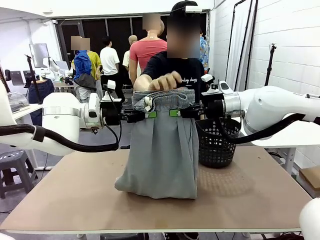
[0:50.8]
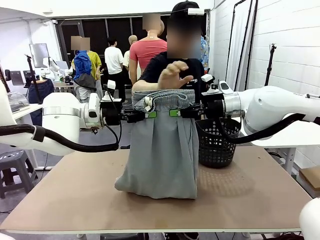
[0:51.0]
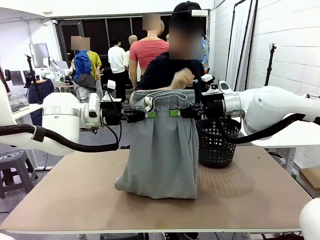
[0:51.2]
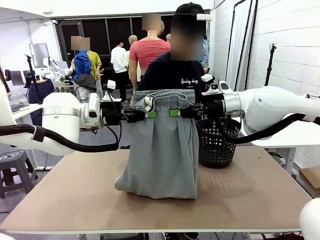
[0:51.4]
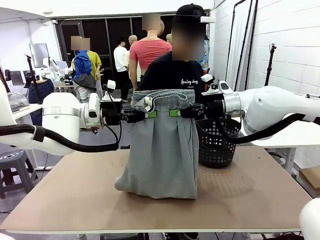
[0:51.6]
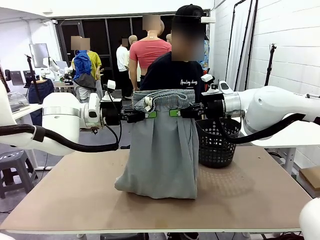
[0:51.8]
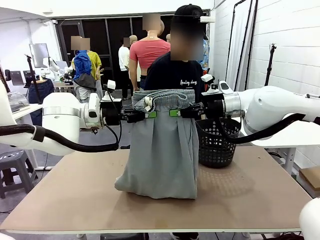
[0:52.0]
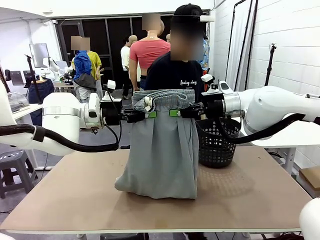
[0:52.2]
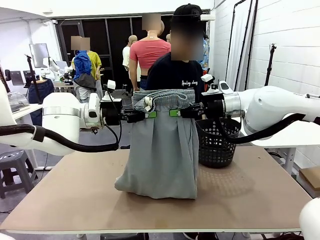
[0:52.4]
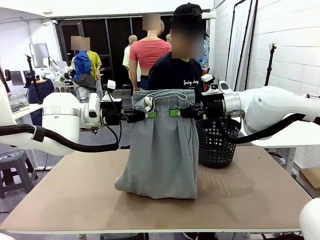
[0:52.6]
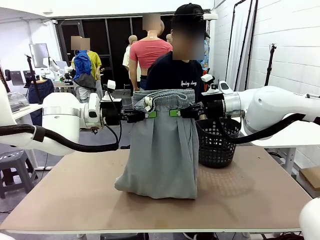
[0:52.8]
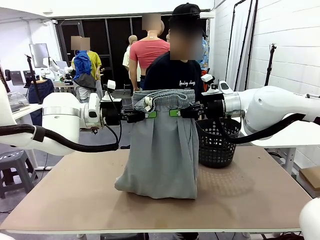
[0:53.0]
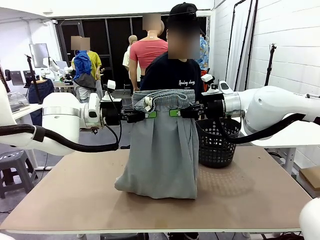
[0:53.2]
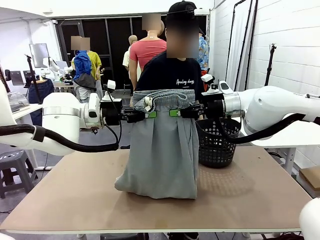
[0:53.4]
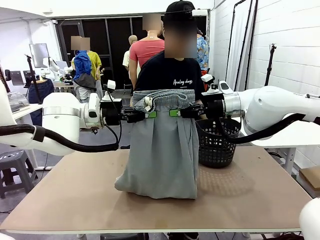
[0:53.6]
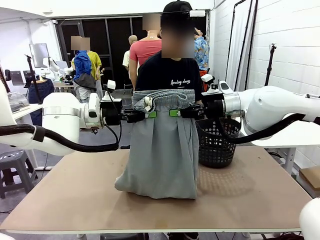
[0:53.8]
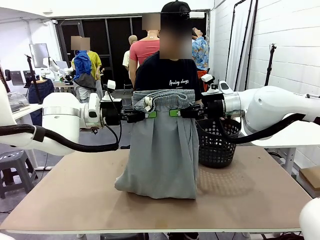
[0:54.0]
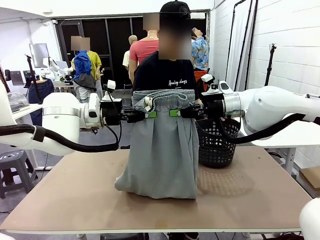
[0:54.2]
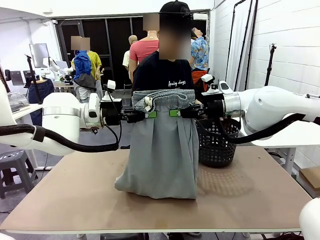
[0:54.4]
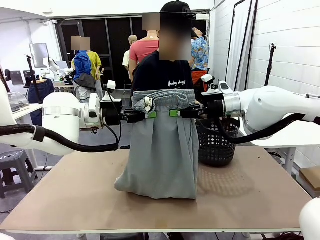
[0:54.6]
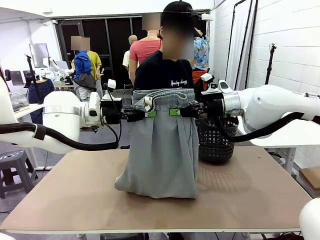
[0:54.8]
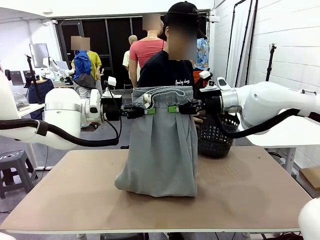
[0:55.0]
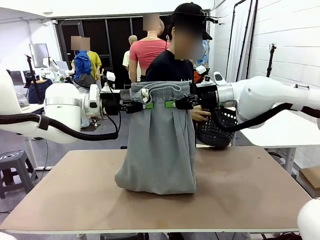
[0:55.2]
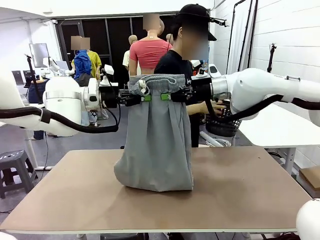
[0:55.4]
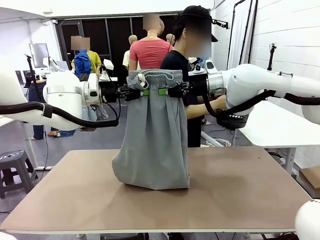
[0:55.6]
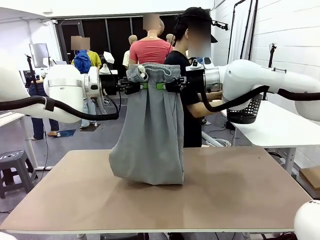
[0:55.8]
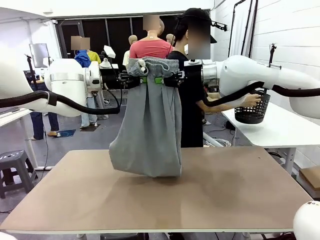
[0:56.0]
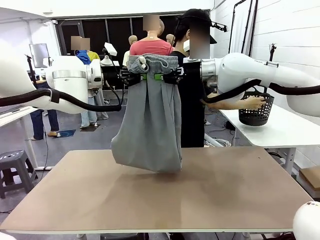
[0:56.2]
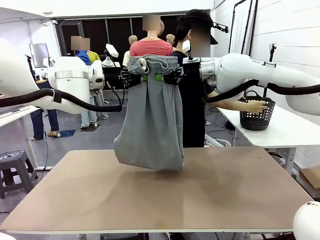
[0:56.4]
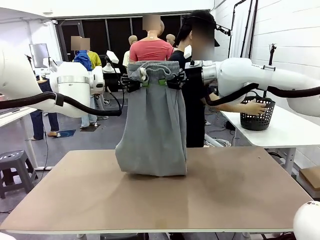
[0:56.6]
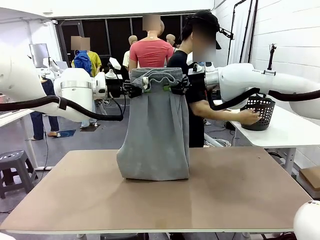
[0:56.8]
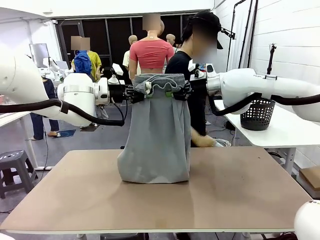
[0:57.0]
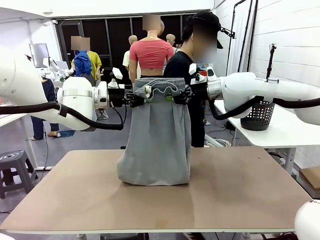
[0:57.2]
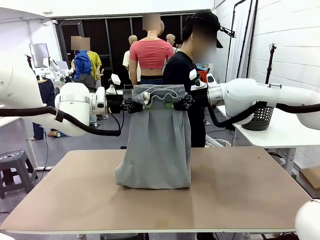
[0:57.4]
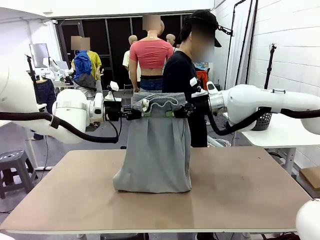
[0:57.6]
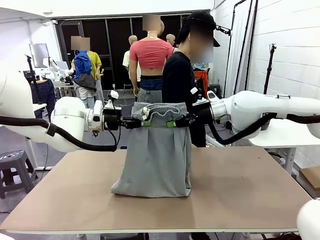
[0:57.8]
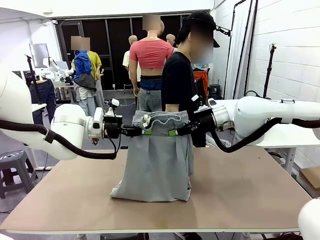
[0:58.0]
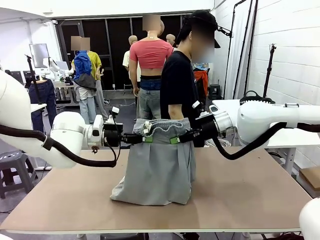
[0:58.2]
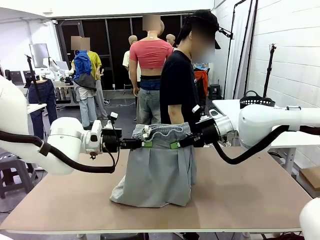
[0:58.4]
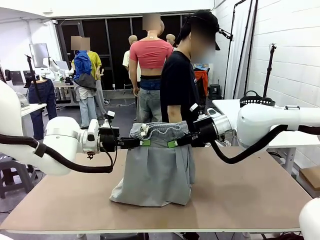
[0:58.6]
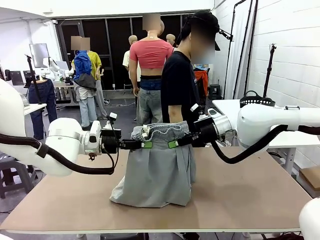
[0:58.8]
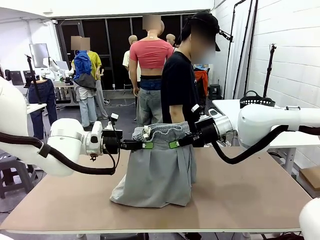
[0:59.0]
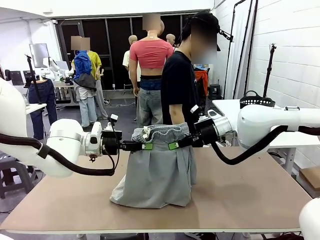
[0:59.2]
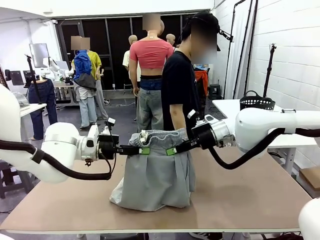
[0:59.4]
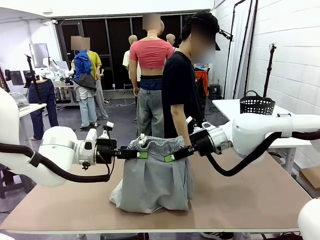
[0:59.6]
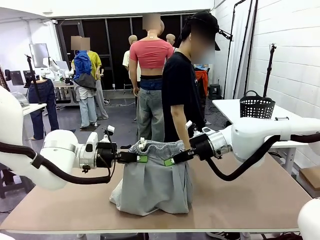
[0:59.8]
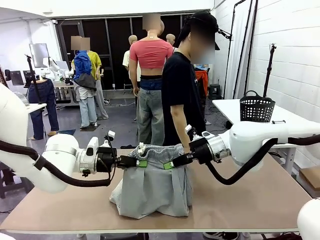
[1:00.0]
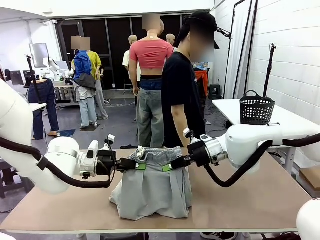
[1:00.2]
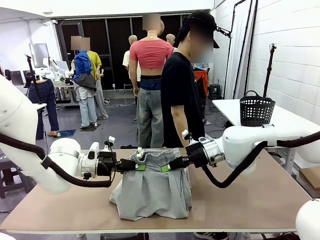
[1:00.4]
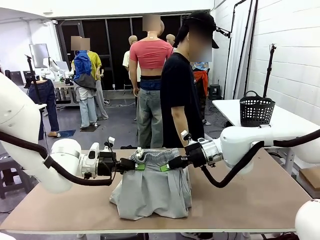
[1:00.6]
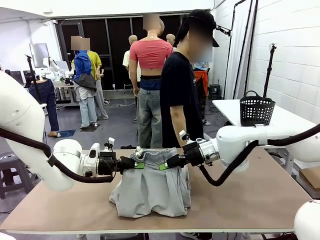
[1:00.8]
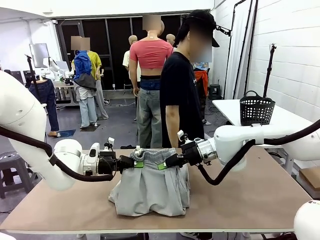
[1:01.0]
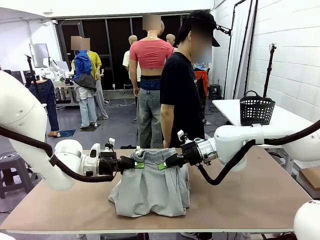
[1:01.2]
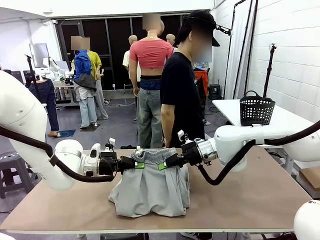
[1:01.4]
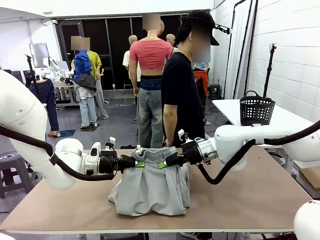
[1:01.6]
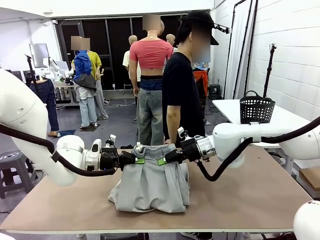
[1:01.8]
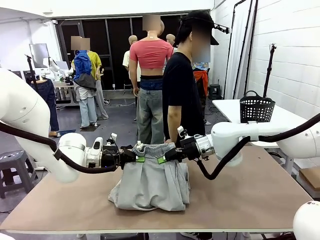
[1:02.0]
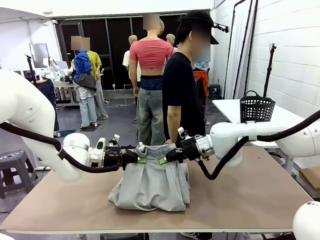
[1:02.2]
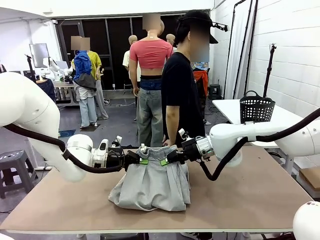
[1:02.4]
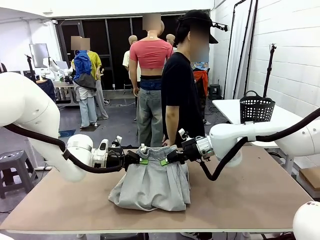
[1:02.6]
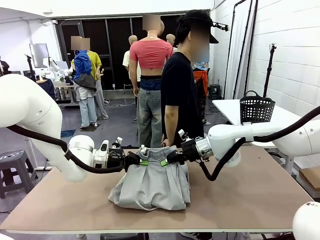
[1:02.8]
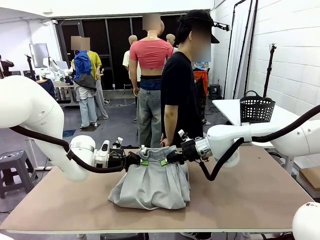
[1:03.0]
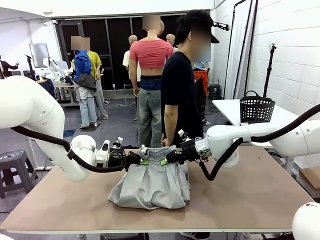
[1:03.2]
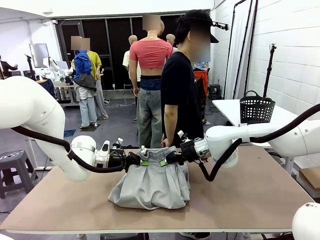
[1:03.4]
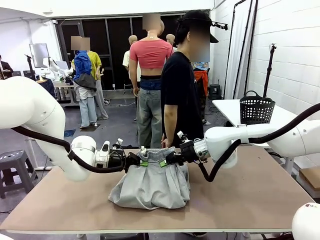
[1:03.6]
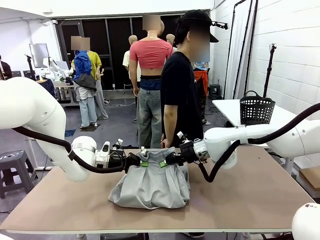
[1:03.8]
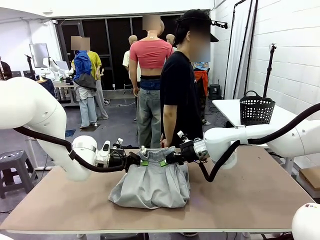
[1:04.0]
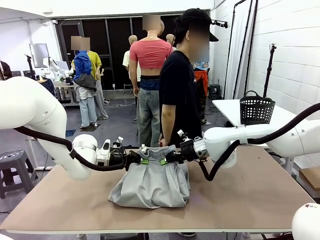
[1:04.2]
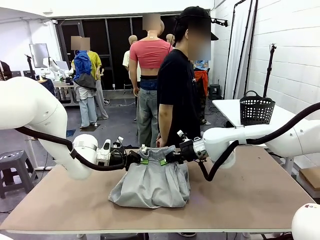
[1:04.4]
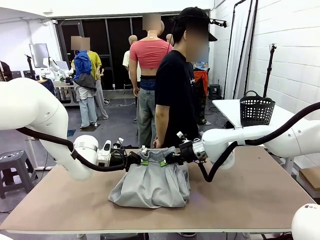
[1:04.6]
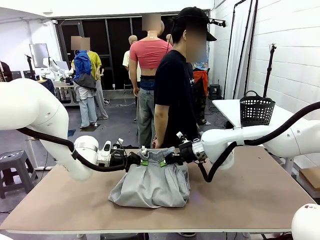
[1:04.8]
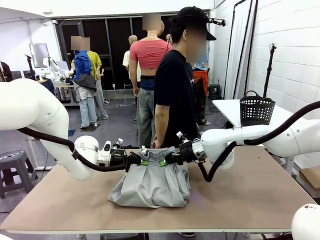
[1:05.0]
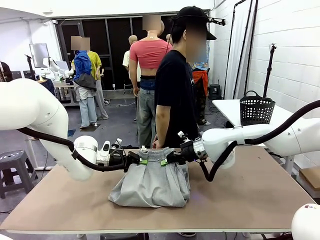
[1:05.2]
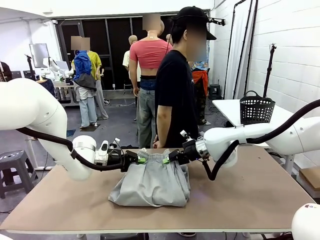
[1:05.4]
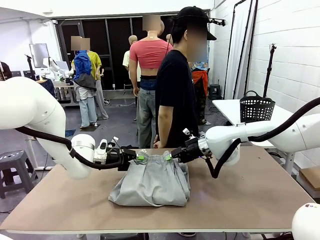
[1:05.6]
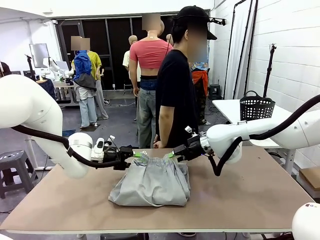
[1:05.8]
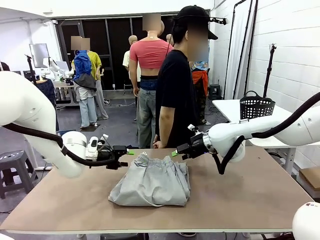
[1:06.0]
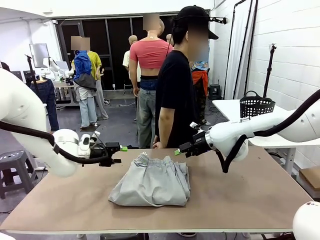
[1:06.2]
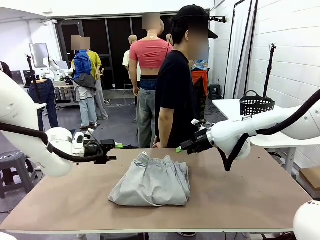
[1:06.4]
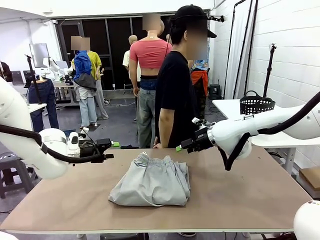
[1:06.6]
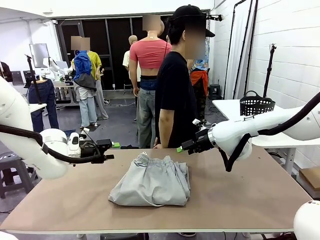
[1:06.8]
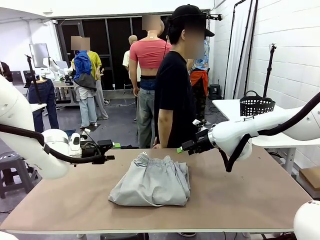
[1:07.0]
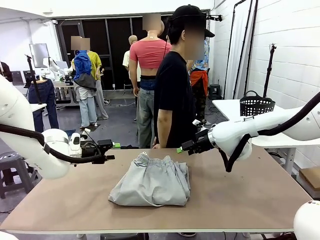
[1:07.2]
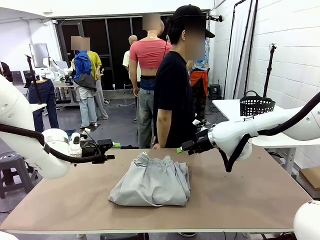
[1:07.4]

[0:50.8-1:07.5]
Task: Fold the training pants.
Robot: Fold the Training pants in half.
Person: Move the laundry basket to the right of the human table.

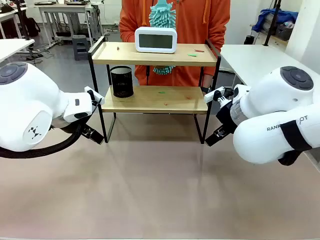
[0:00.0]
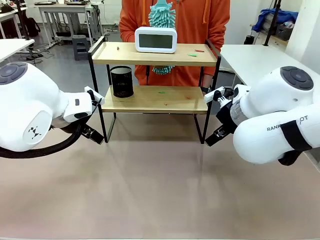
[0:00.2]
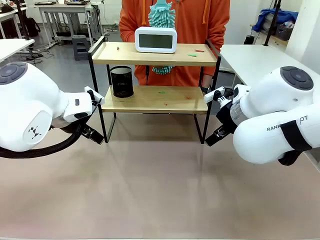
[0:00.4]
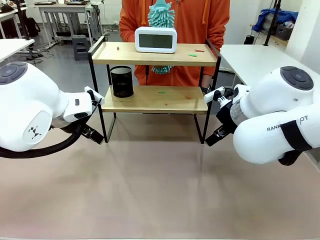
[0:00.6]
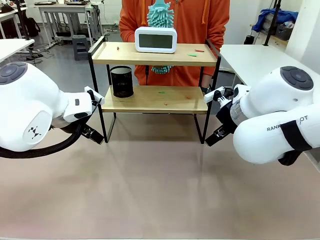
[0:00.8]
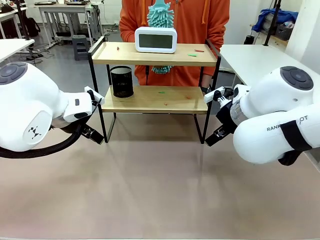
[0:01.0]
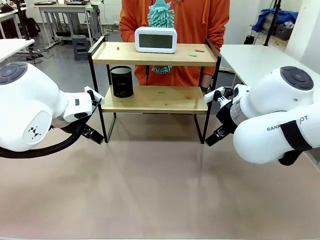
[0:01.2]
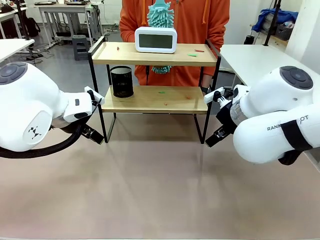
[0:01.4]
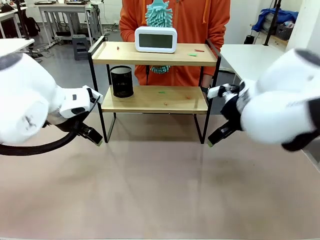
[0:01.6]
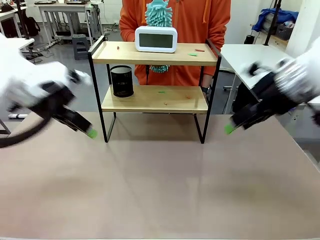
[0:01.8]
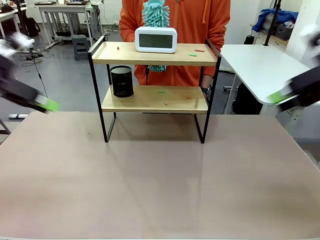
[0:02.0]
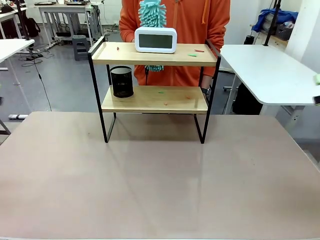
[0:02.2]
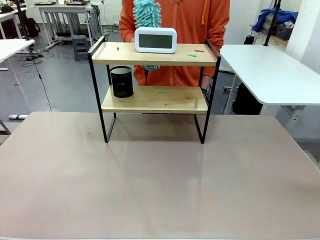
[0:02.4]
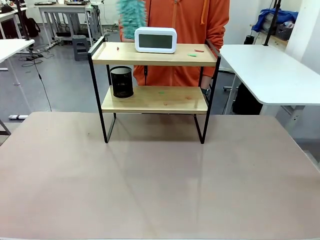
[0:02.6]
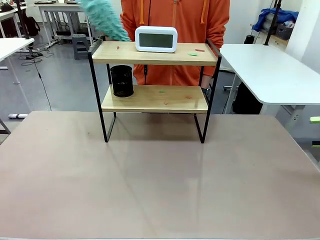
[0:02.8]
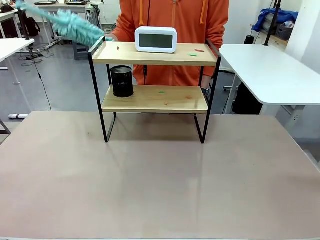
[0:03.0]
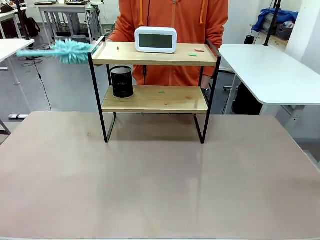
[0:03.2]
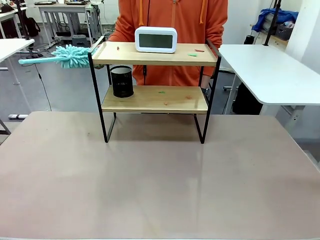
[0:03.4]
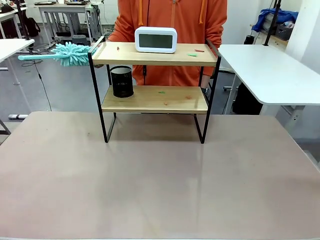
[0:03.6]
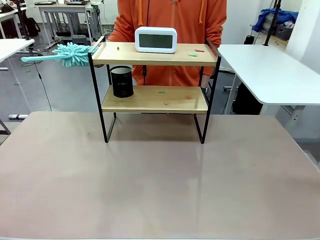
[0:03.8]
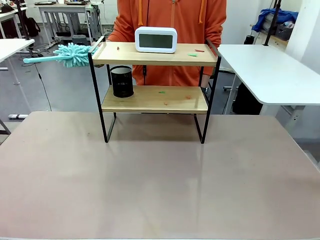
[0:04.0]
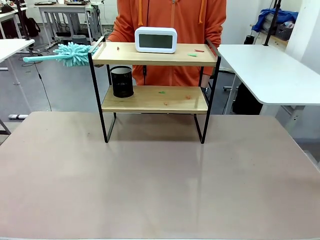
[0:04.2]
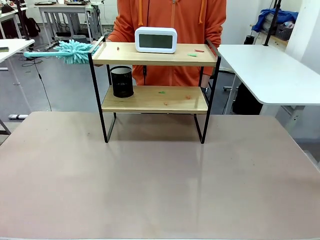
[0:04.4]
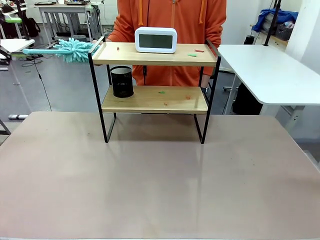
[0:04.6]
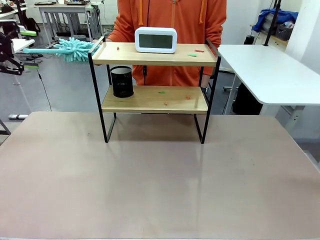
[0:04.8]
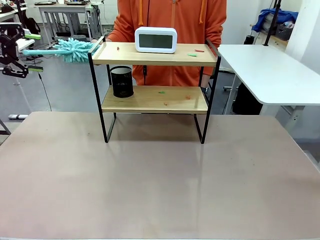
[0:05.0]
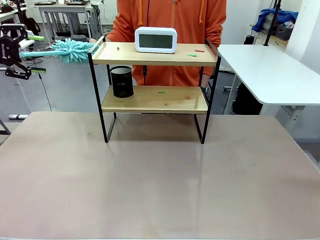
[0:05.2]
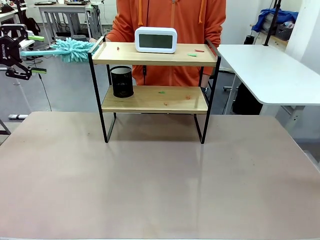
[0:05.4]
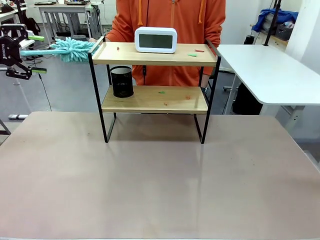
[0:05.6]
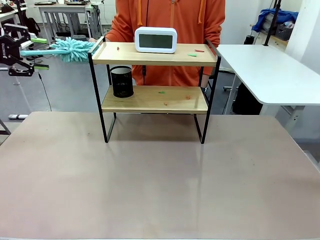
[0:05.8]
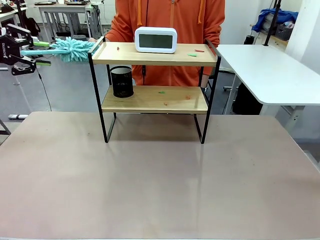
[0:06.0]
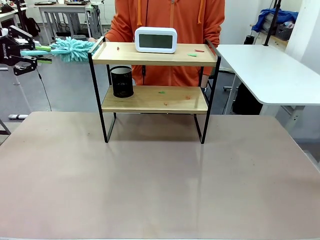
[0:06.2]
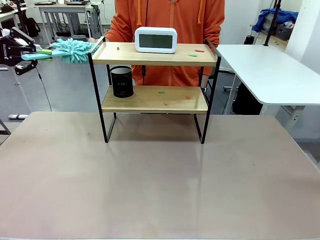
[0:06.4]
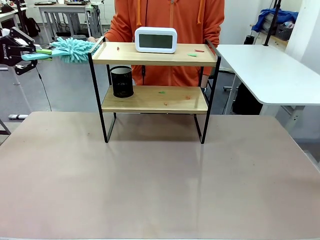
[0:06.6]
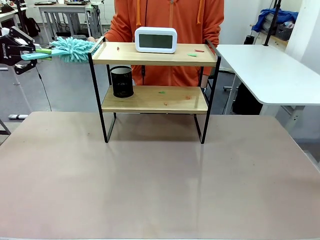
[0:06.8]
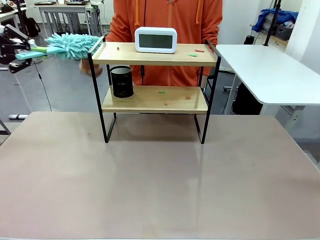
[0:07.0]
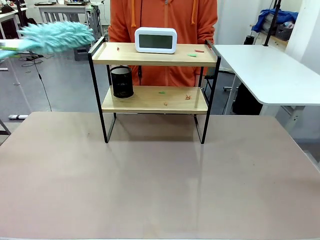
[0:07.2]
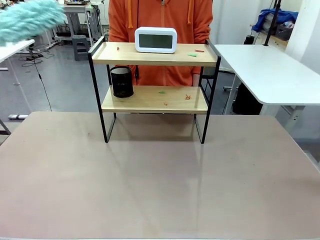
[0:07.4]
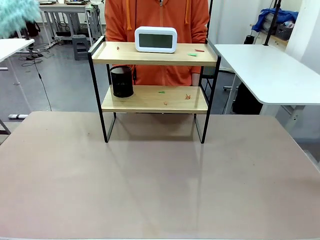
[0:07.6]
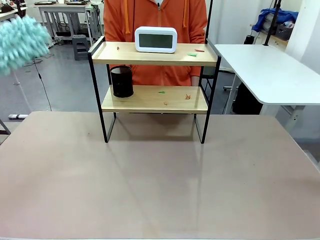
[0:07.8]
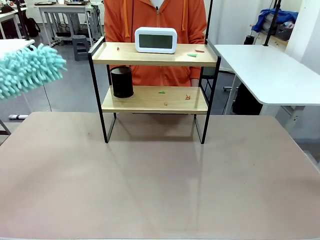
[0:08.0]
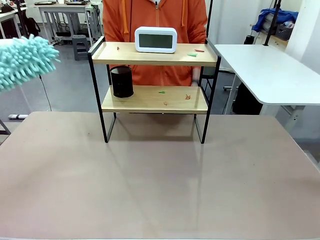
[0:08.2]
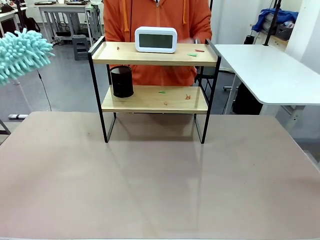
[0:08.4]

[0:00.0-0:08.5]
Task: Clean the shelf.
Robot: Pick up the Duster from the human.
Person: Hand the Duster to the robot.
